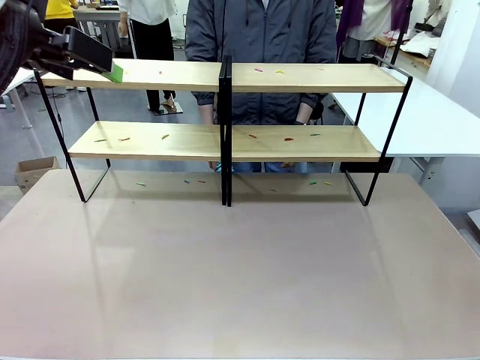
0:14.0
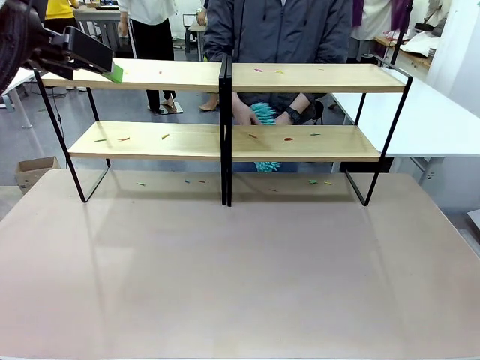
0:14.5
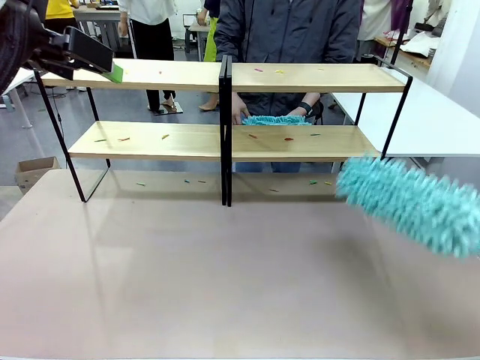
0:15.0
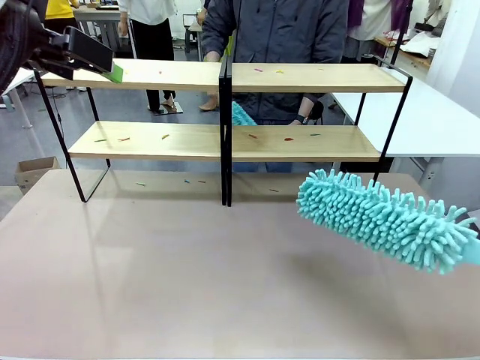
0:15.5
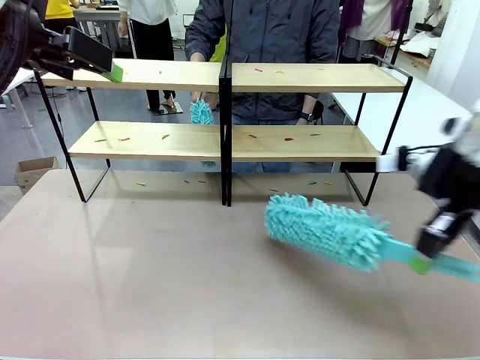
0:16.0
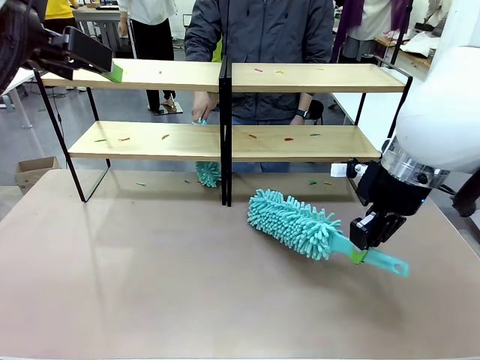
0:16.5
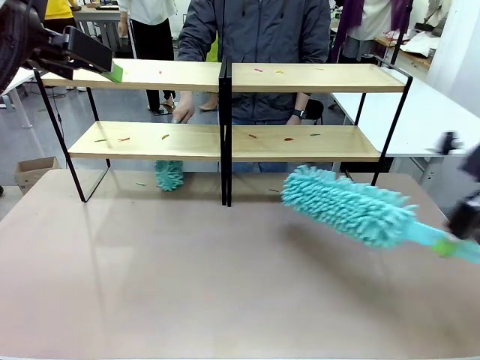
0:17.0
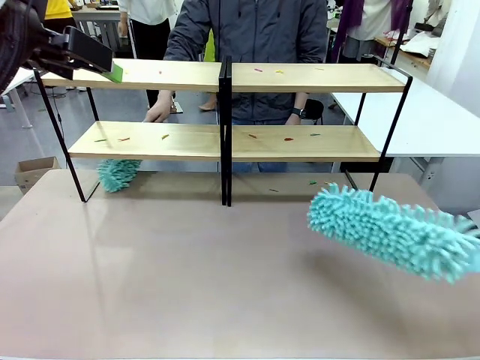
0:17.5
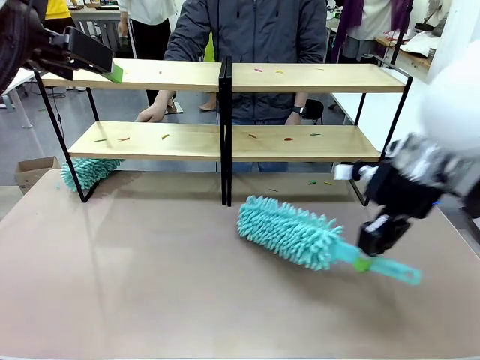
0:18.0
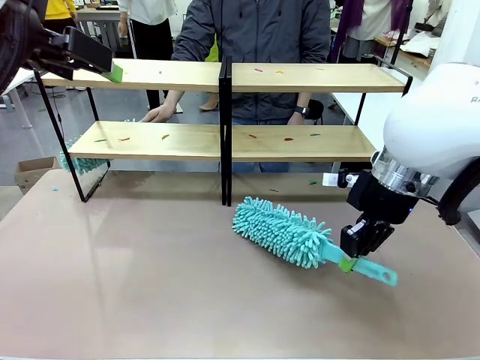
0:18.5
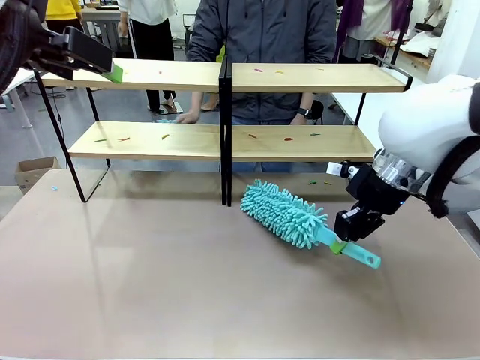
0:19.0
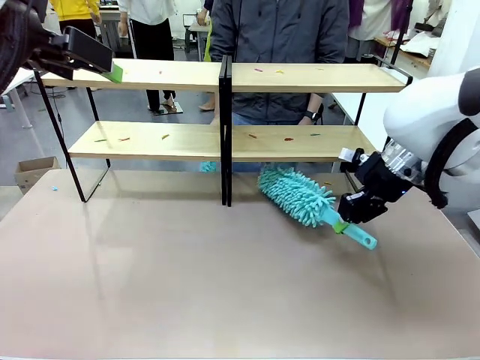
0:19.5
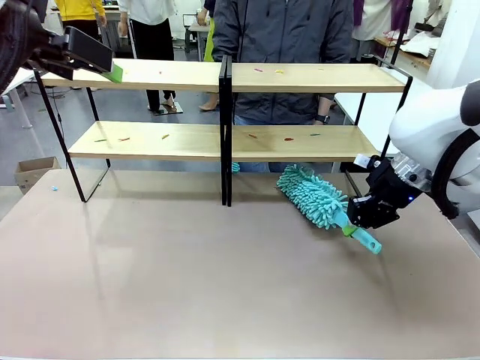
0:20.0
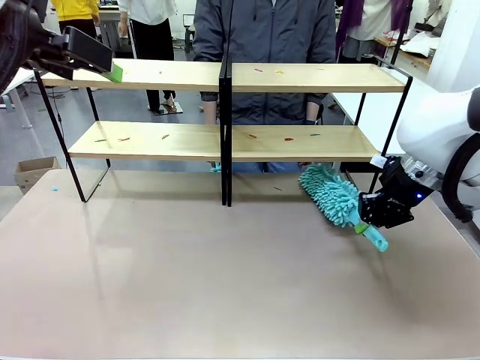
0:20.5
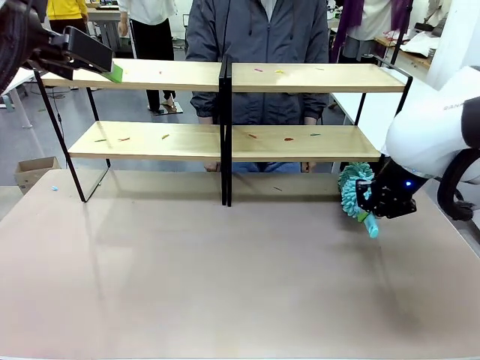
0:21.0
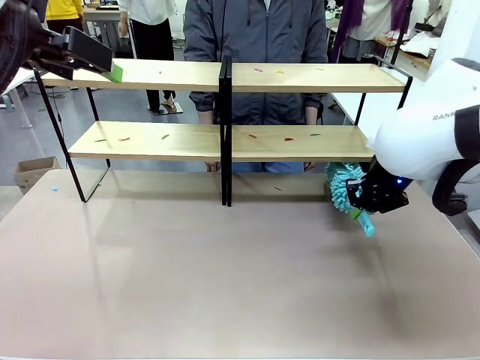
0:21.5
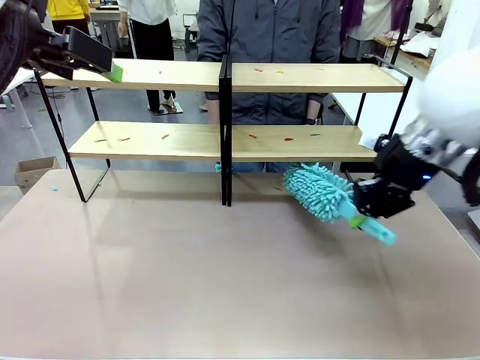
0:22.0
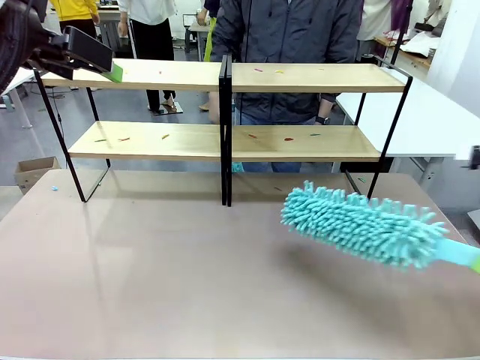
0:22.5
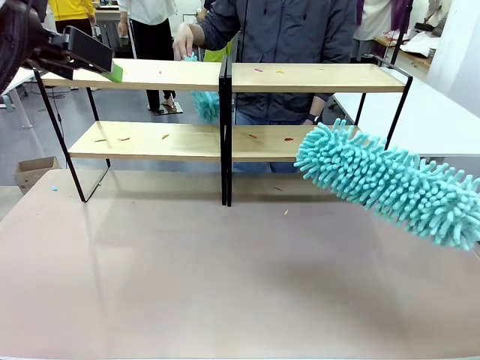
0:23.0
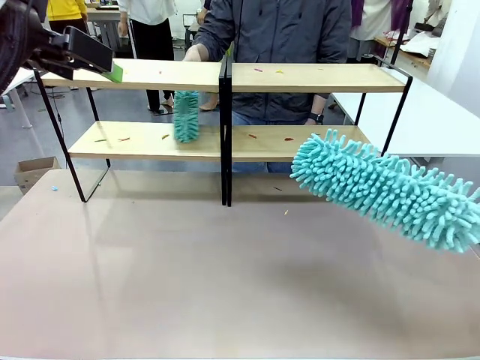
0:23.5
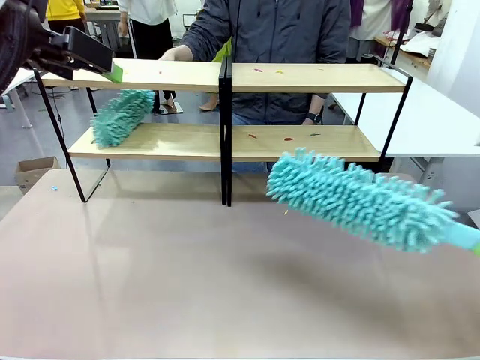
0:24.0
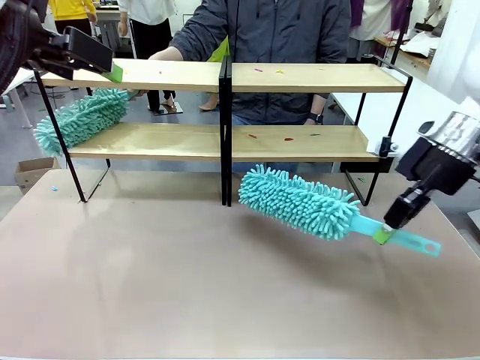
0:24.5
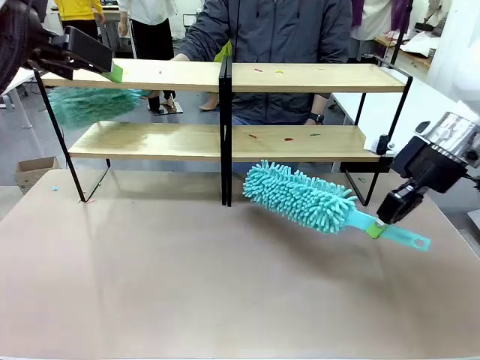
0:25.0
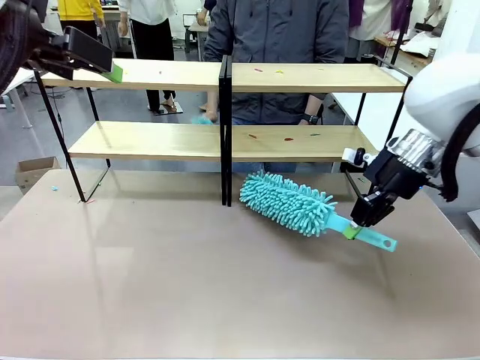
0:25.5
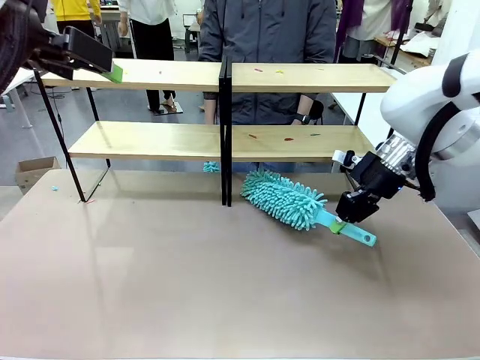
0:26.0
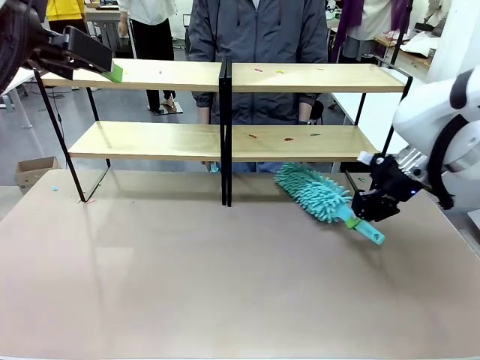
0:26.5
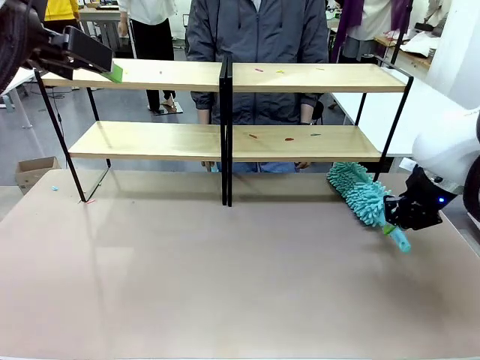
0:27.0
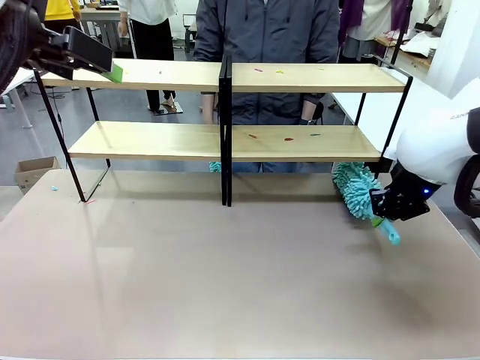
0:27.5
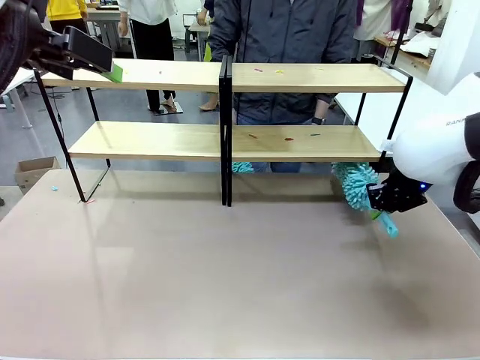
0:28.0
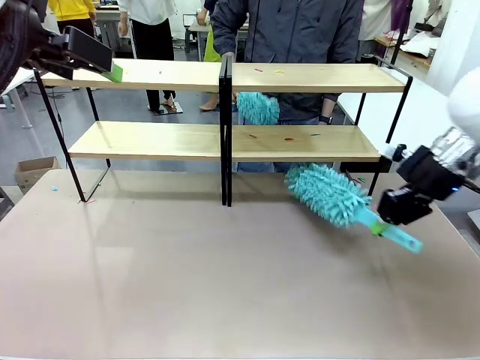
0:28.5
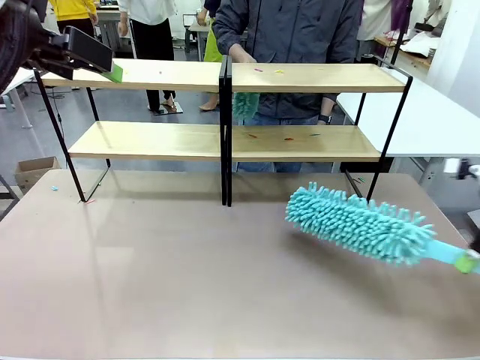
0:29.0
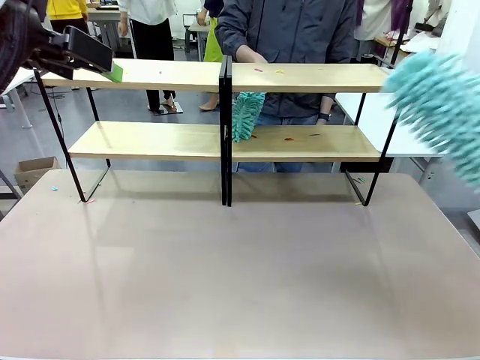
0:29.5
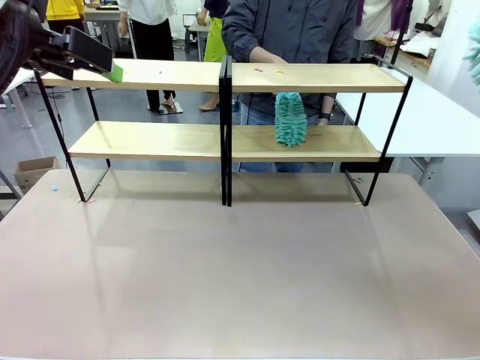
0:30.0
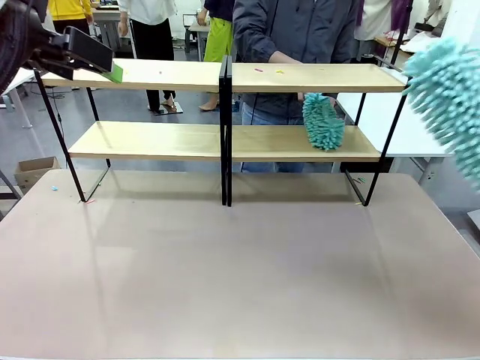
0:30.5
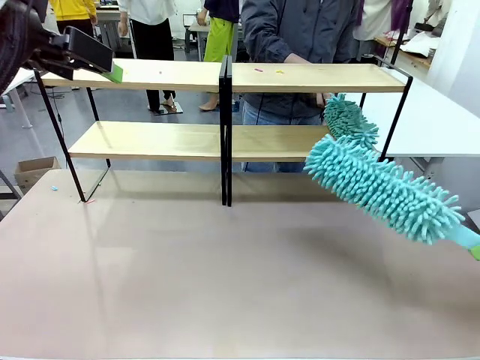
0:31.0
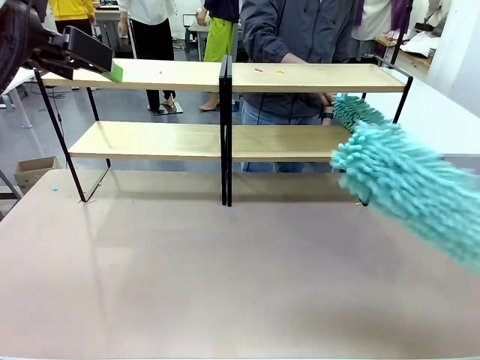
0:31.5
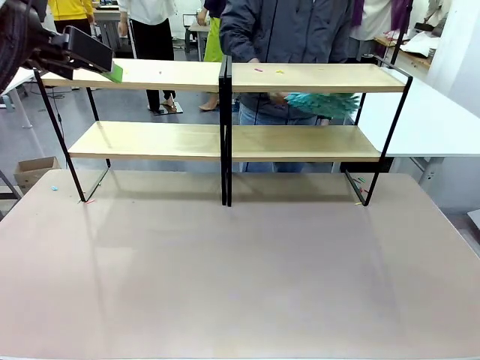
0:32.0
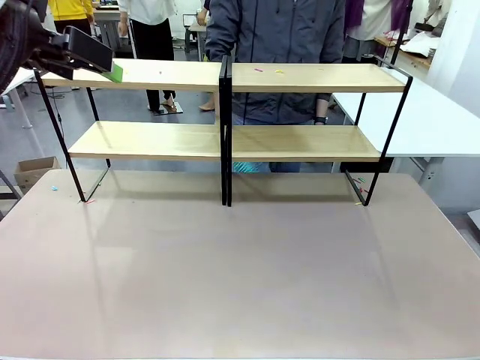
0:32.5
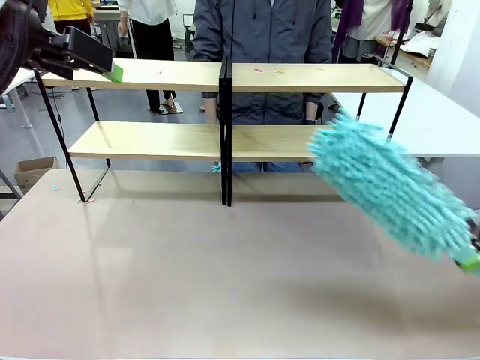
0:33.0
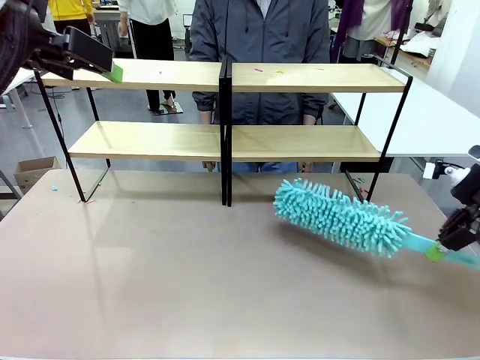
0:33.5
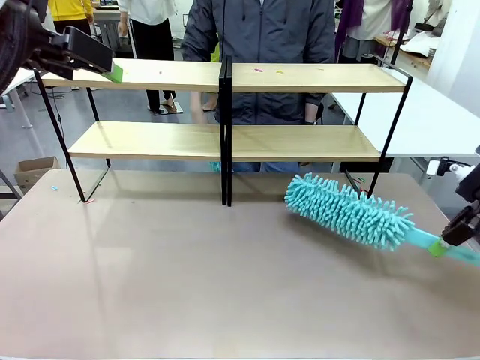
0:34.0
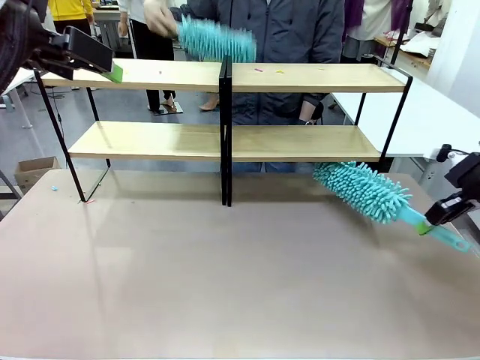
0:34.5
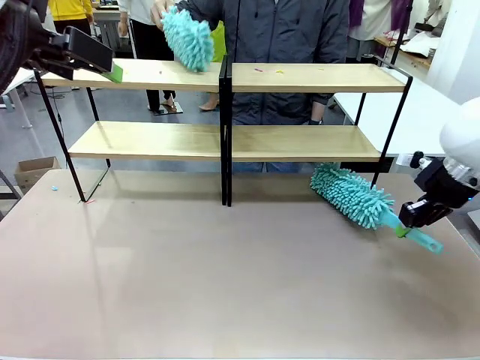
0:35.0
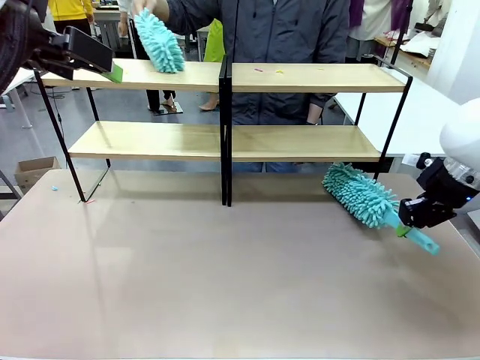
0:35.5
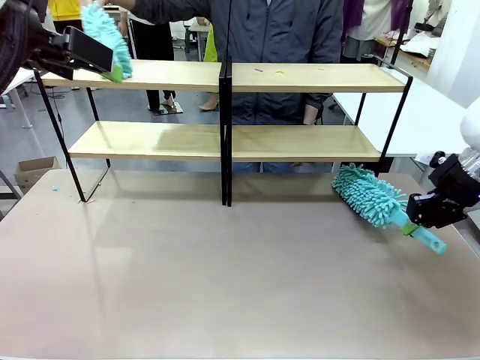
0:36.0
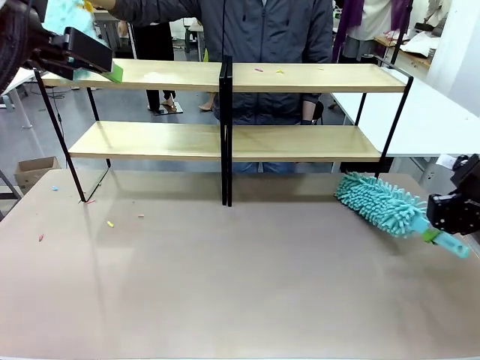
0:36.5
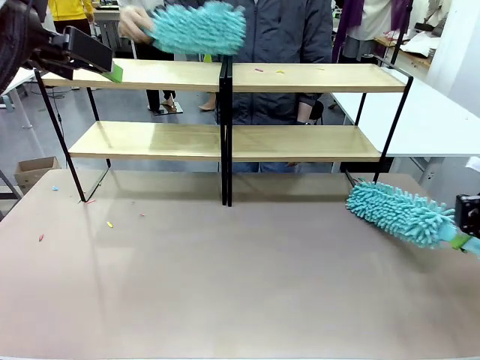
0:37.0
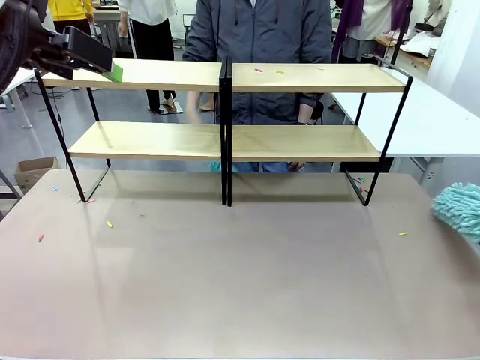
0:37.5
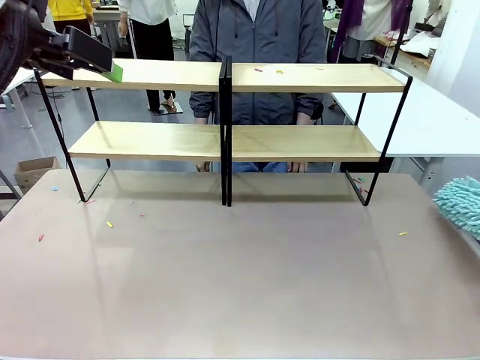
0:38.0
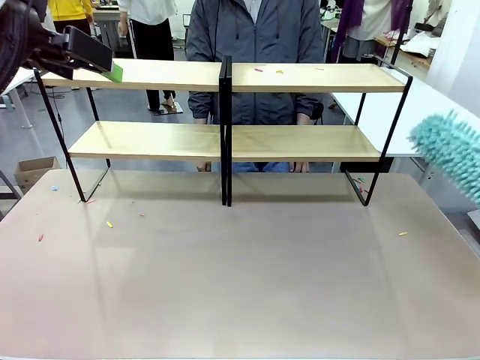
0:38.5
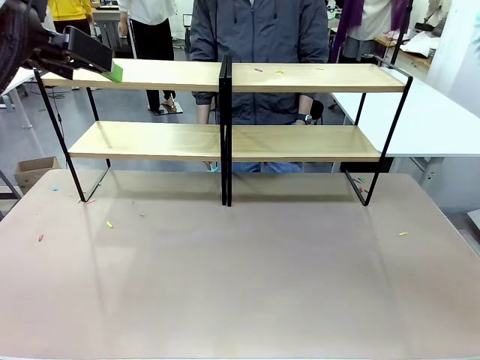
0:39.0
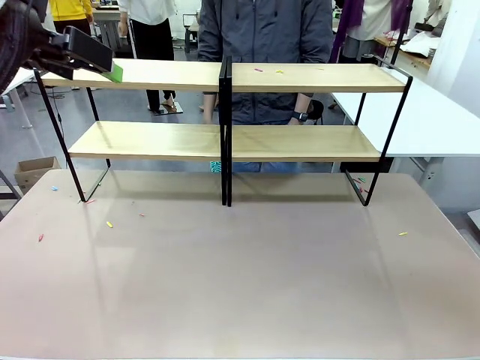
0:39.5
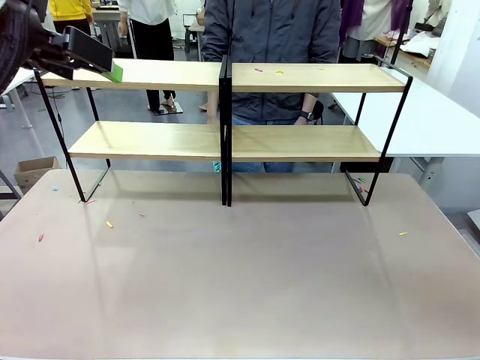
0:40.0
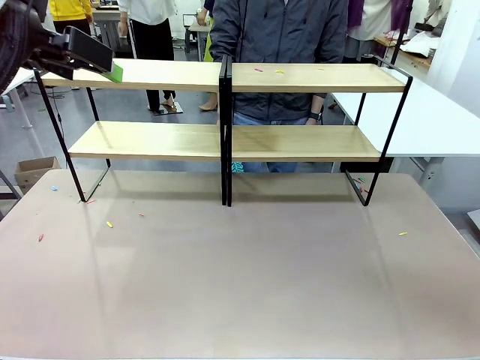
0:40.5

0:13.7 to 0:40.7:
Task: Clean the shelves.
Robot: Clean a randomly selected level of the Shelf with the Duster.
Person: Clean a randomly selected level of the Shelf with the Duster.
